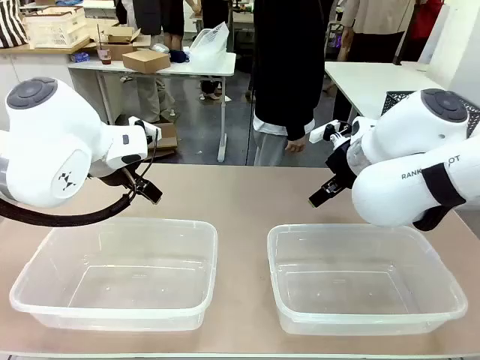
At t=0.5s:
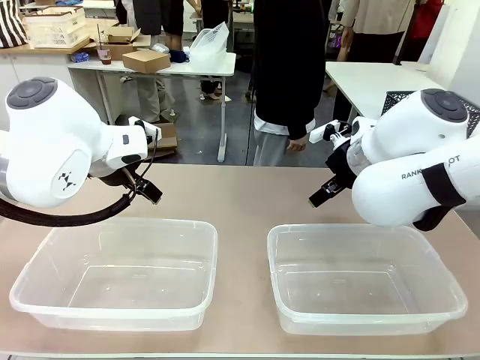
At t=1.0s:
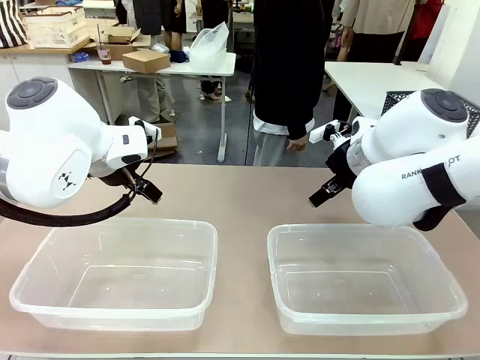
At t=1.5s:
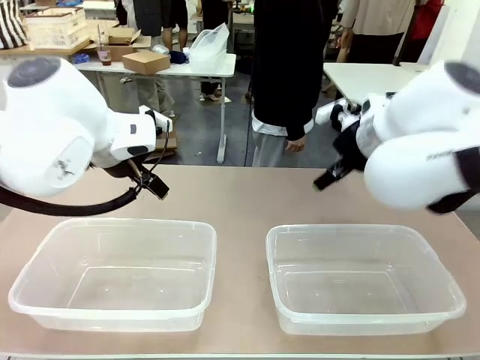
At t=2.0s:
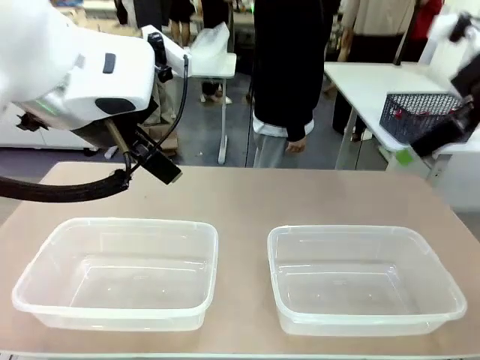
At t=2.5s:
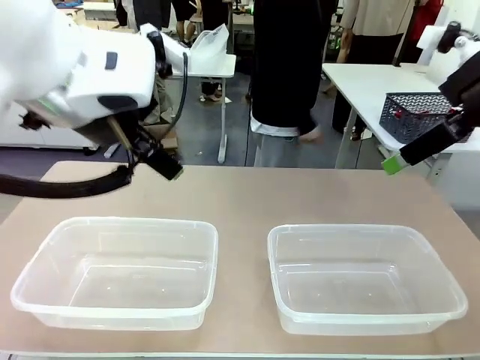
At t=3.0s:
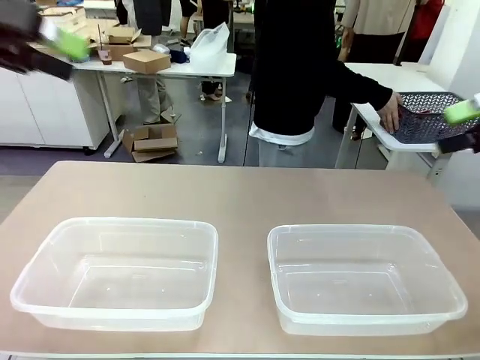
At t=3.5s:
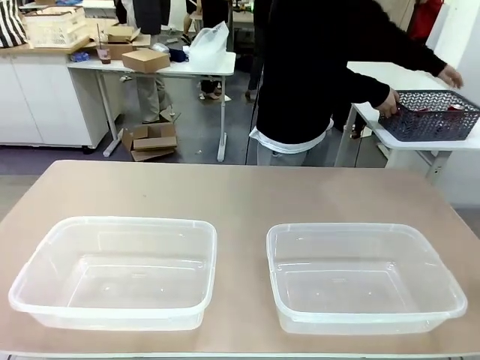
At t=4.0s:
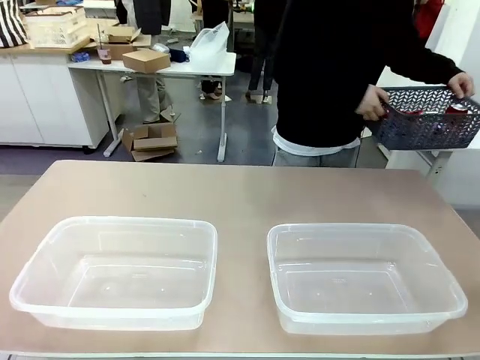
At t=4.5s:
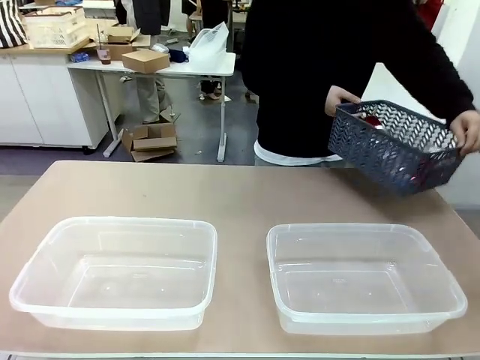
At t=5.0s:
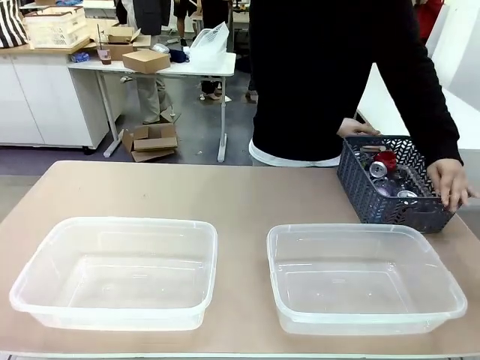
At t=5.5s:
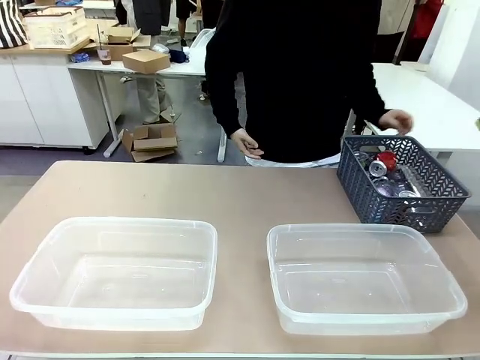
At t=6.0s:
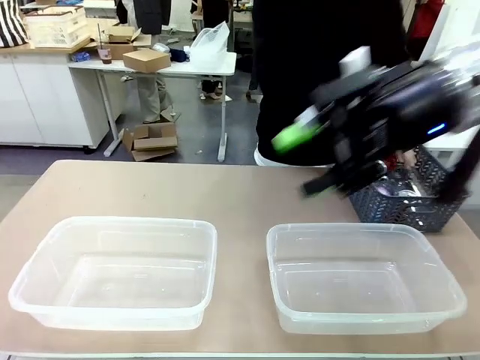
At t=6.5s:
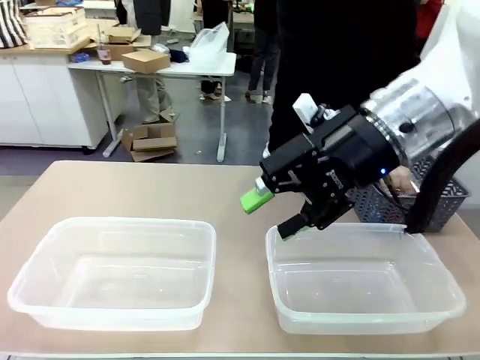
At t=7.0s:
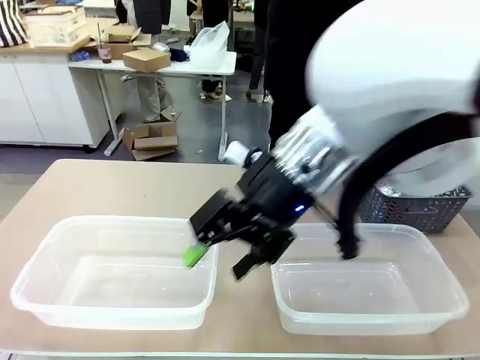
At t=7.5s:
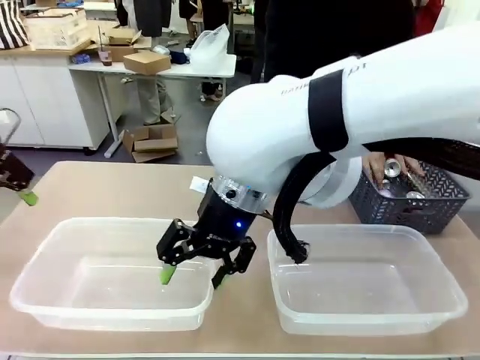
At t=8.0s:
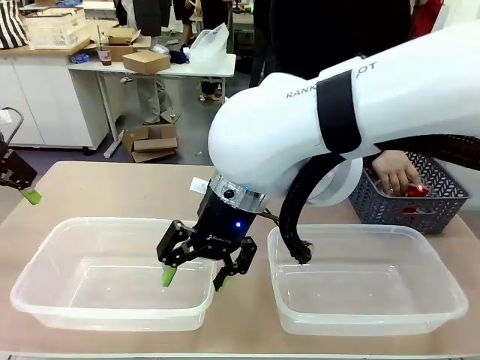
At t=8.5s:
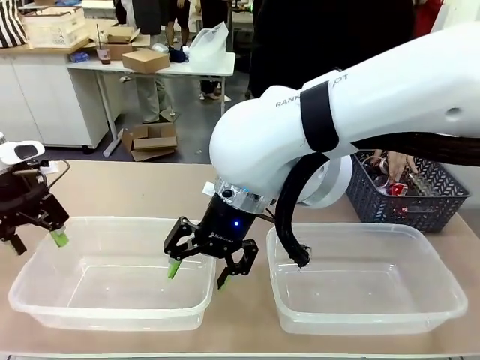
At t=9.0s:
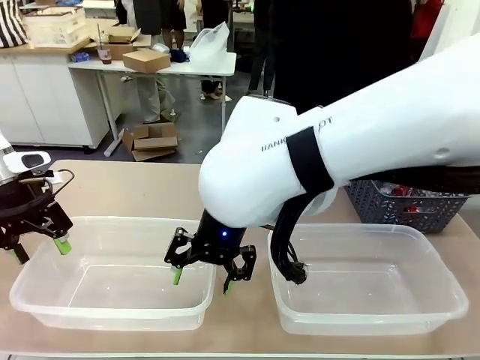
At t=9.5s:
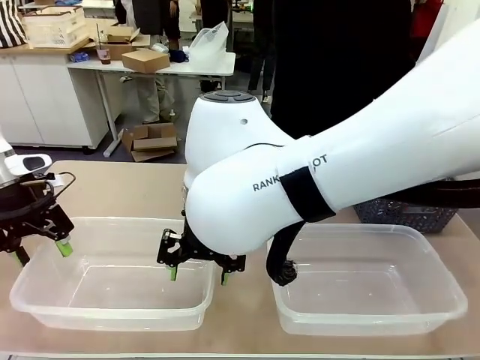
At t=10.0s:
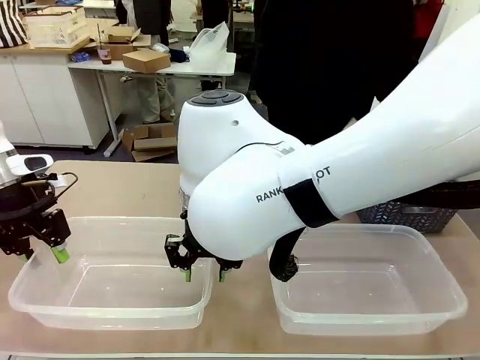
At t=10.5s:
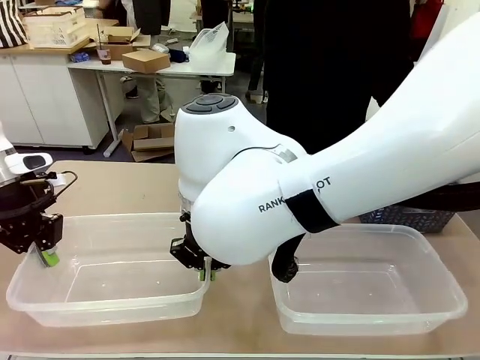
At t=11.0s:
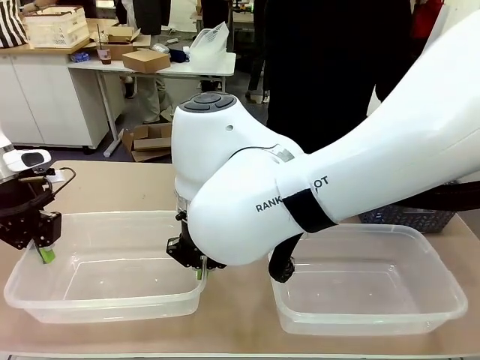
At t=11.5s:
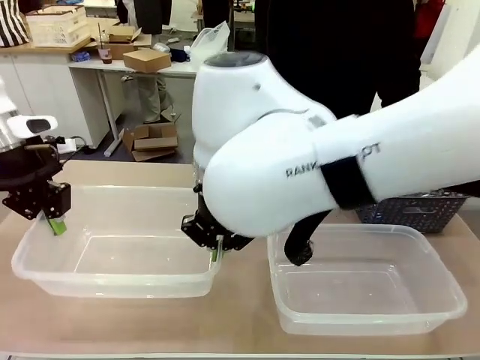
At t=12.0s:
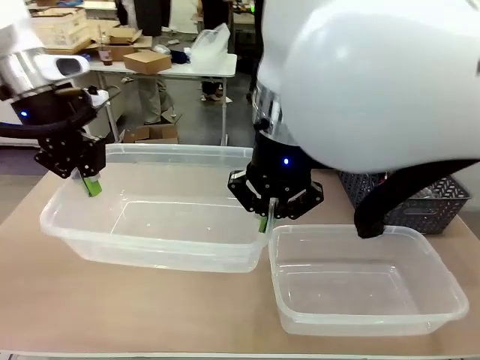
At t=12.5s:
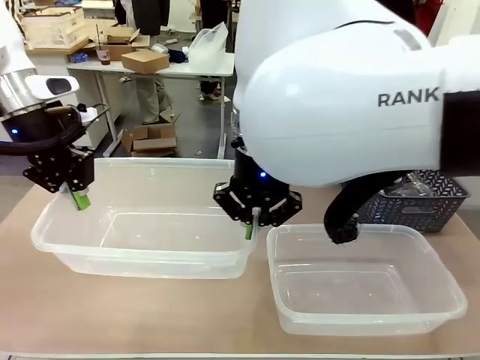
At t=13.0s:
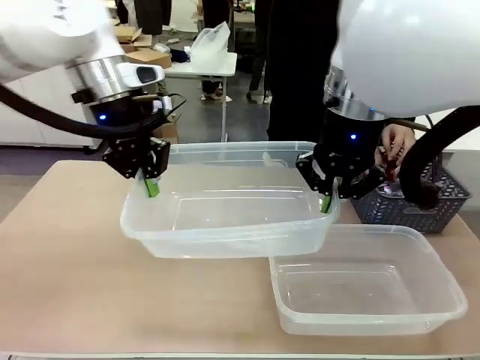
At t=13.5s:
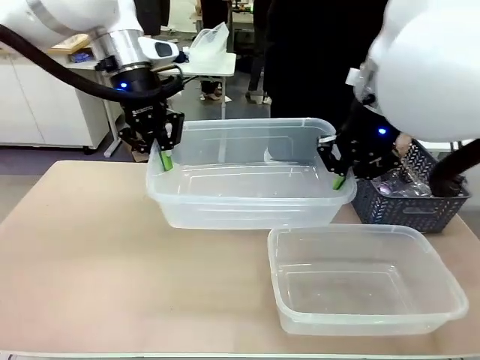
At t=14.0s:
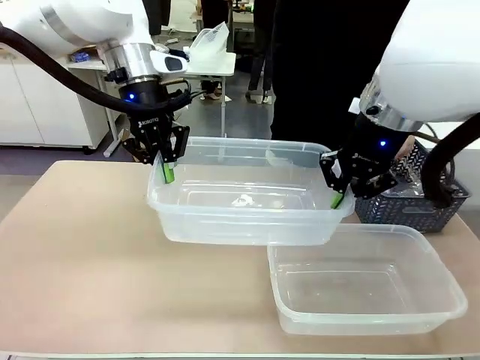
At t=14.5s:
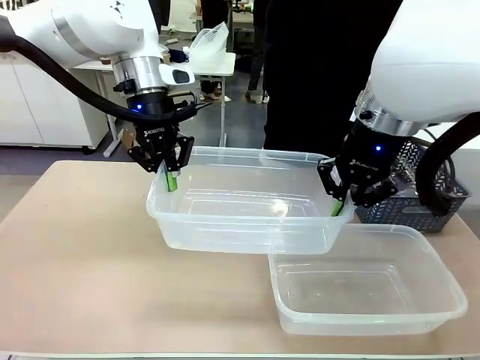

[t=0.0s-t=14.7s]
Robot: Pick up the Organizing box on the left side of the table and lift it.
Person: Pick up the storage basket and place it on the left side of the robot table. Pick up can-shaped waste one by one and place it into the organizing box lifted by the robot.

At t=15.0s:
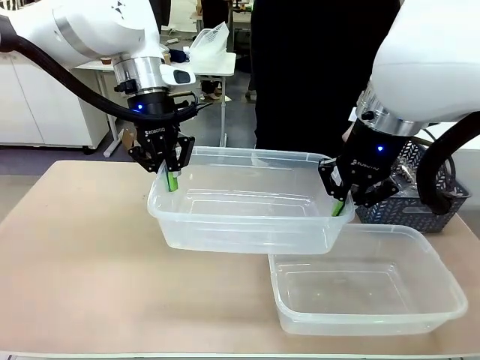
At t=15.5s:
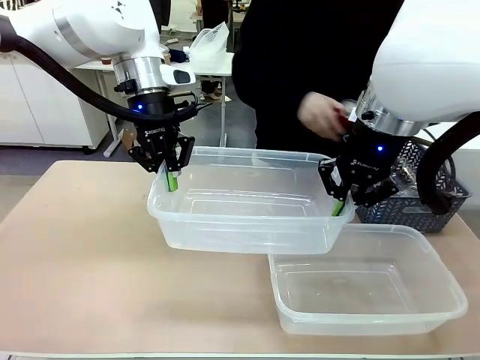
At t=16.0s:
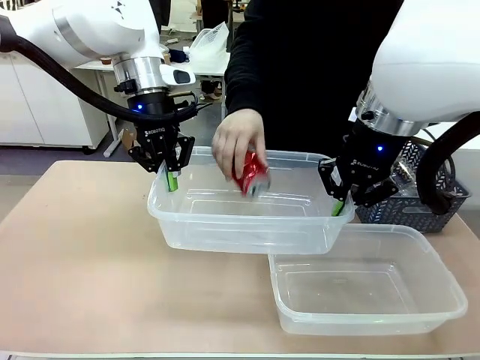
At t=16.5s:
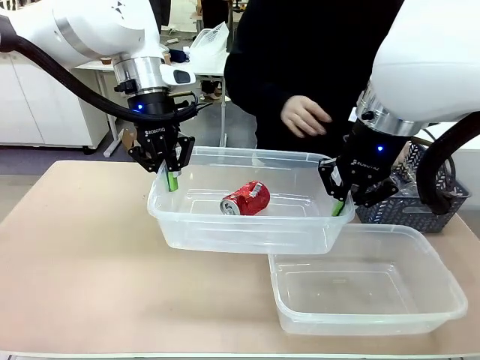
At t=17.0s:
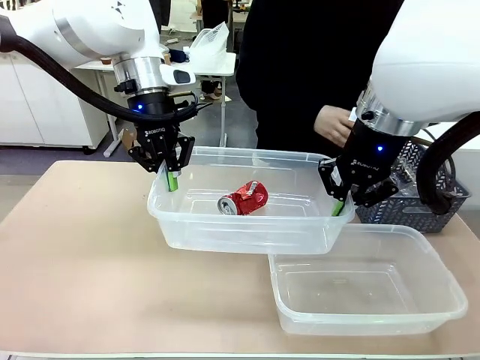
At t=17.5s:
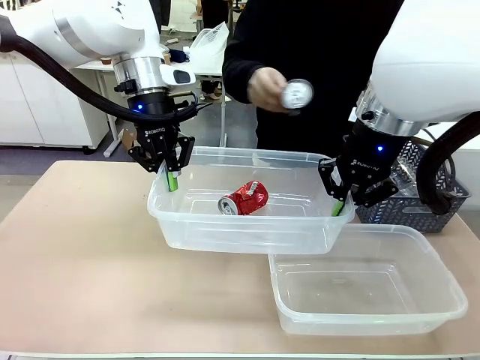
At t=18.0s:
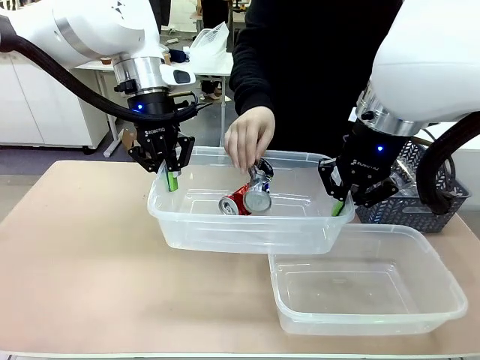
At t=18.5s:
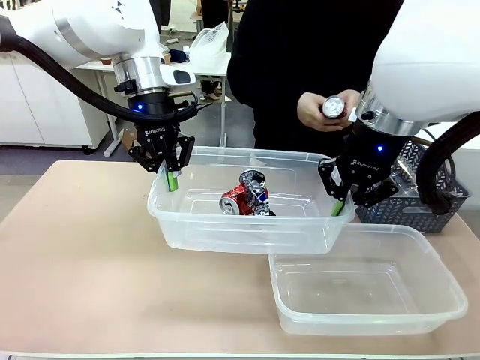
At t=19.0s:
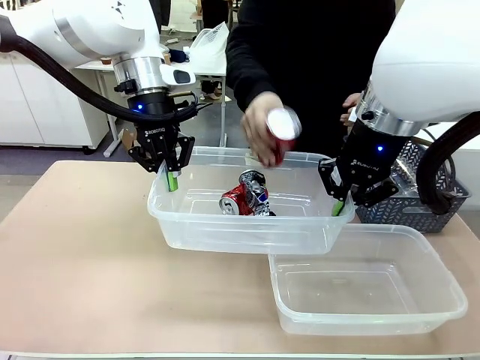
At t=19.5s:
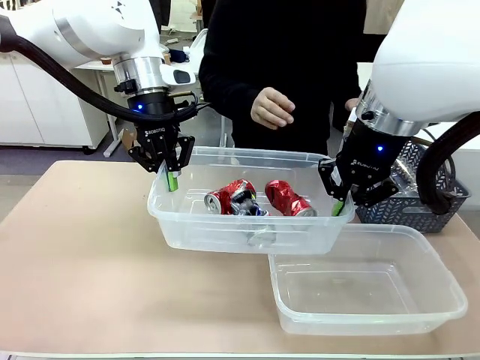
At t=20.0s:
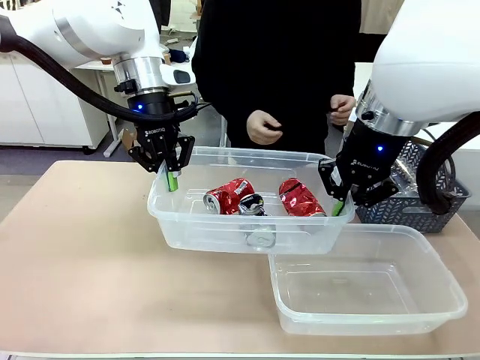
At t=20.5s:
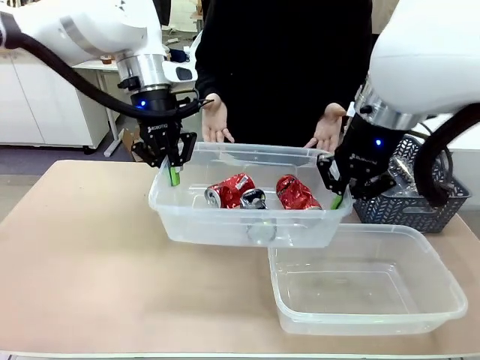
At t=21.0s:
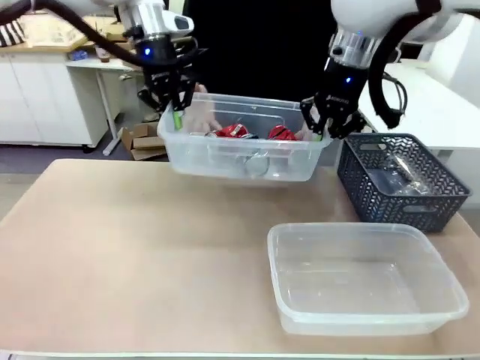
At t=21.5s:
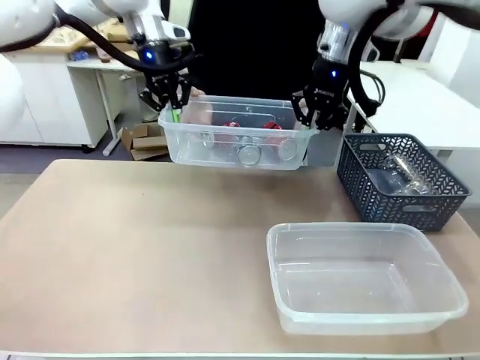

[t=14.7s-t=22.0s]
Robot: Offer the picked Organizing box to the human.

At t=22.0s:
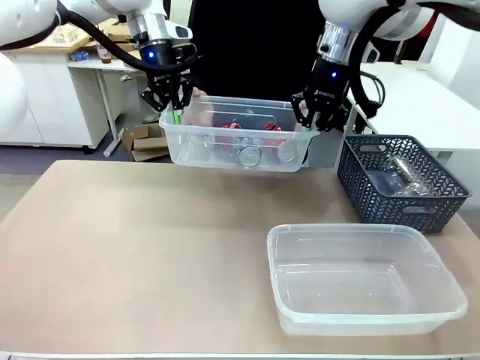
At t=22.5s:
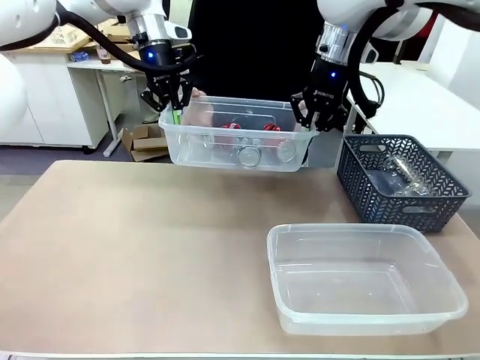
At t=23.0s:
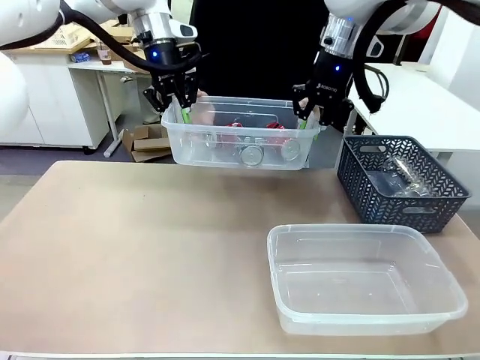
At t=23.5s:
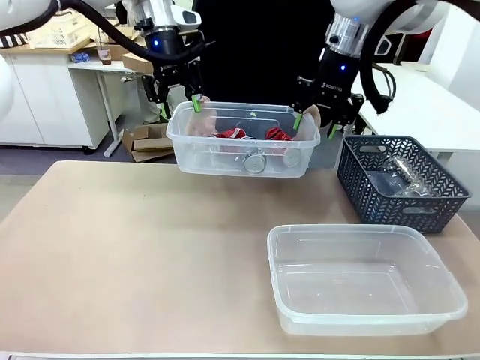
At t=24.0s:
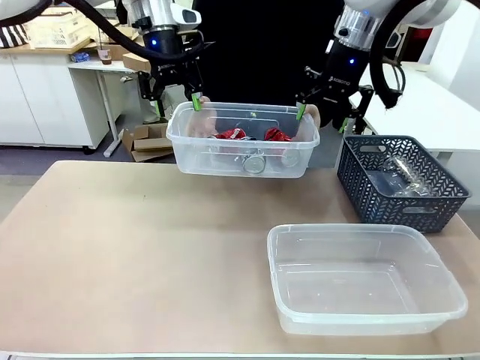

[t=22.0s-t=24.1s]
Robot: Release the Organizing box you were holding.
